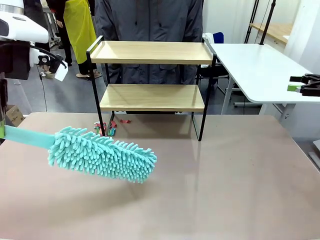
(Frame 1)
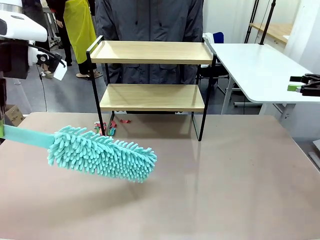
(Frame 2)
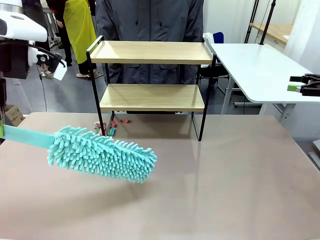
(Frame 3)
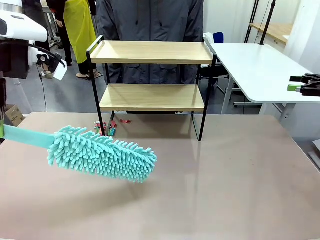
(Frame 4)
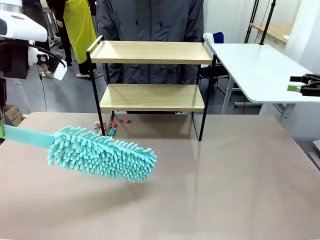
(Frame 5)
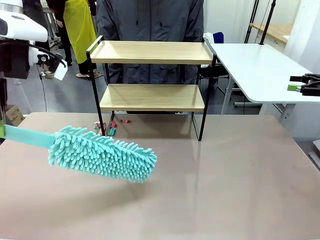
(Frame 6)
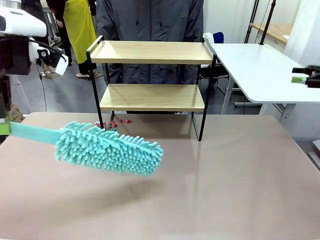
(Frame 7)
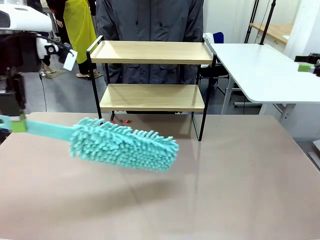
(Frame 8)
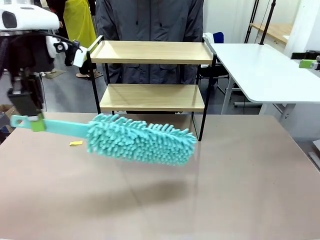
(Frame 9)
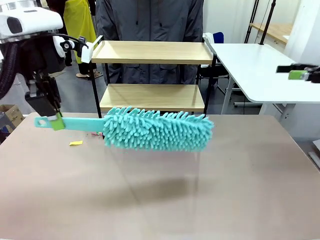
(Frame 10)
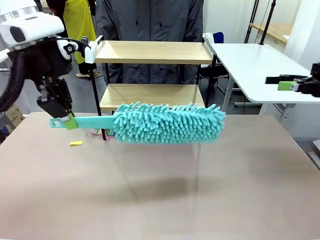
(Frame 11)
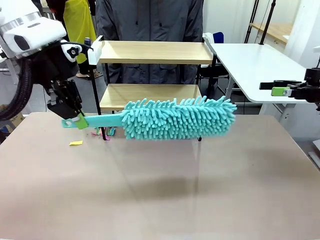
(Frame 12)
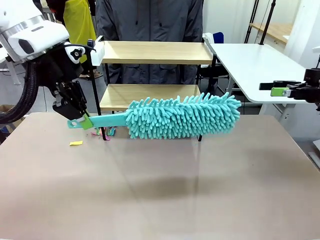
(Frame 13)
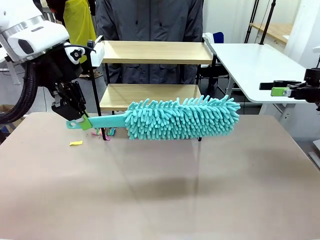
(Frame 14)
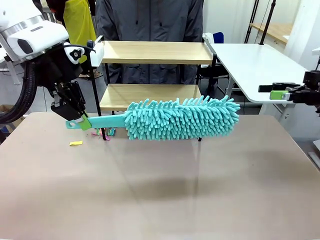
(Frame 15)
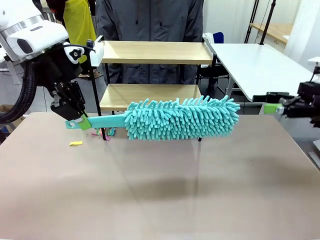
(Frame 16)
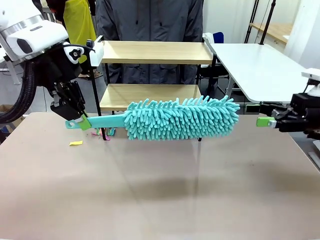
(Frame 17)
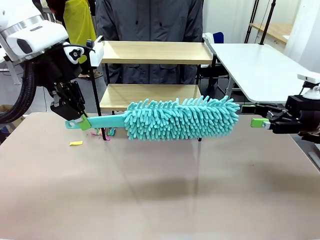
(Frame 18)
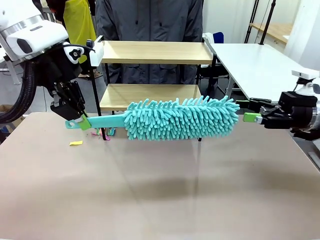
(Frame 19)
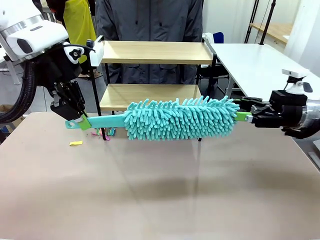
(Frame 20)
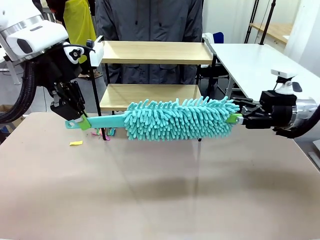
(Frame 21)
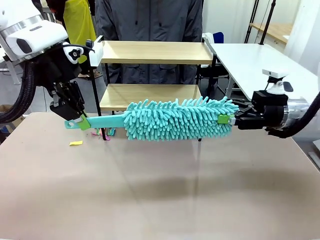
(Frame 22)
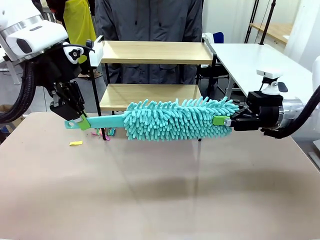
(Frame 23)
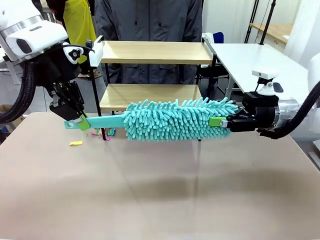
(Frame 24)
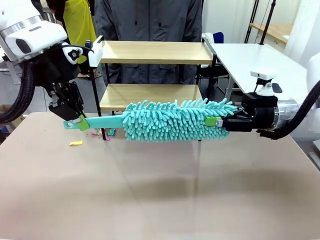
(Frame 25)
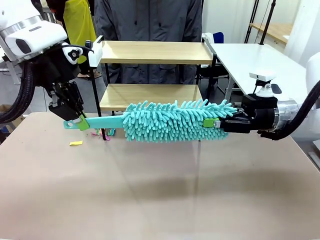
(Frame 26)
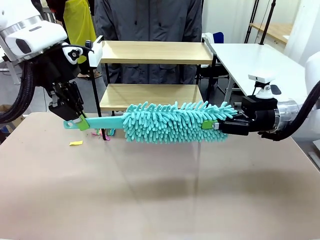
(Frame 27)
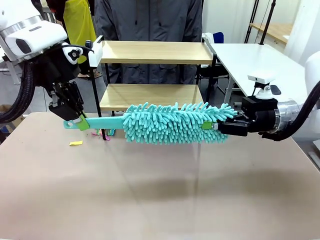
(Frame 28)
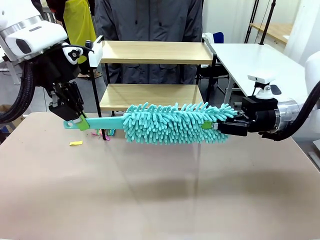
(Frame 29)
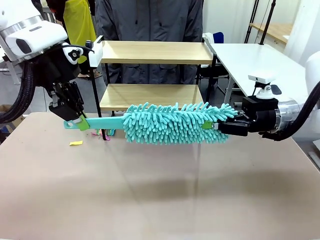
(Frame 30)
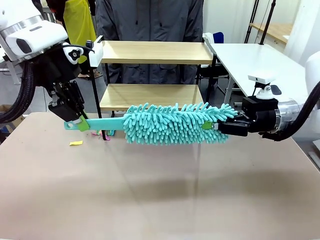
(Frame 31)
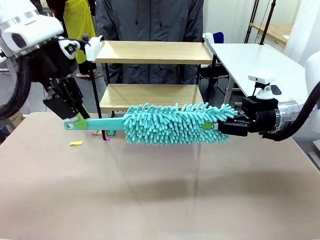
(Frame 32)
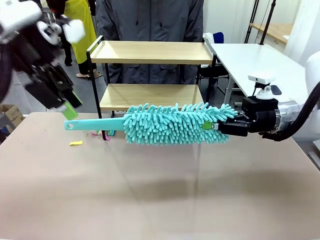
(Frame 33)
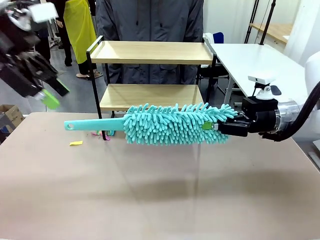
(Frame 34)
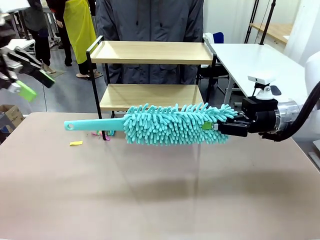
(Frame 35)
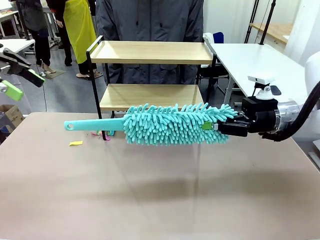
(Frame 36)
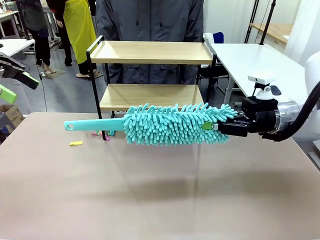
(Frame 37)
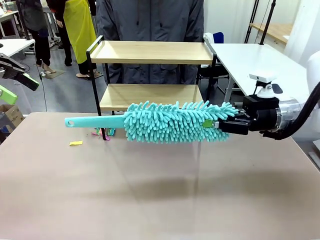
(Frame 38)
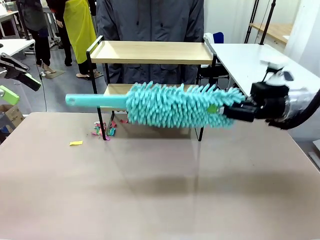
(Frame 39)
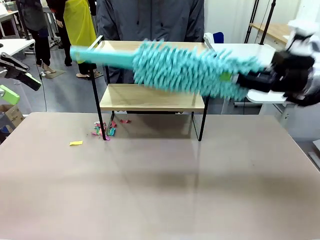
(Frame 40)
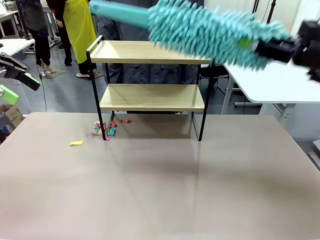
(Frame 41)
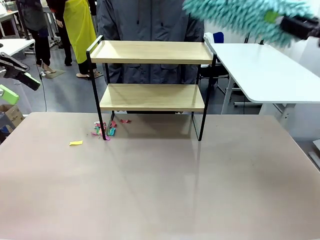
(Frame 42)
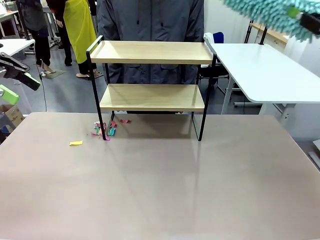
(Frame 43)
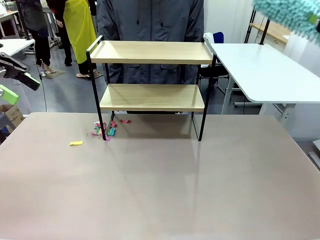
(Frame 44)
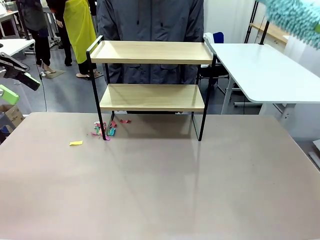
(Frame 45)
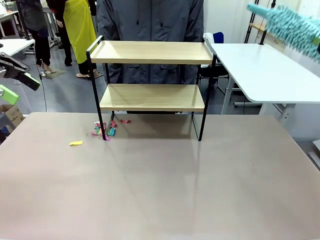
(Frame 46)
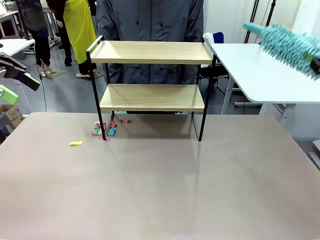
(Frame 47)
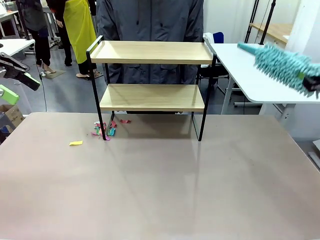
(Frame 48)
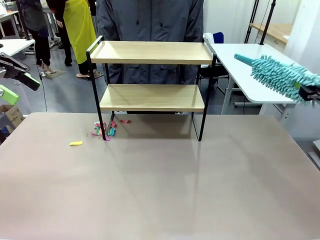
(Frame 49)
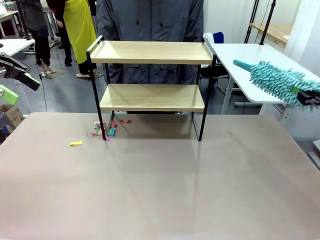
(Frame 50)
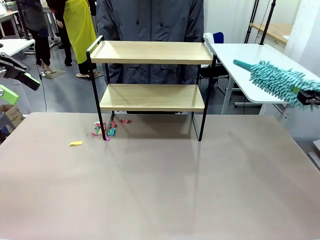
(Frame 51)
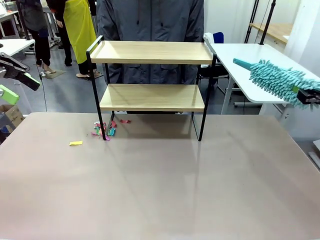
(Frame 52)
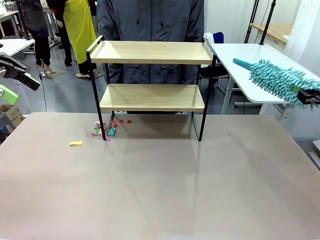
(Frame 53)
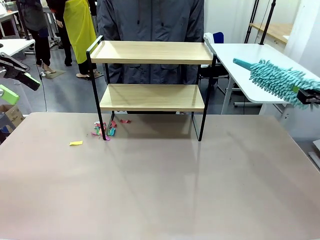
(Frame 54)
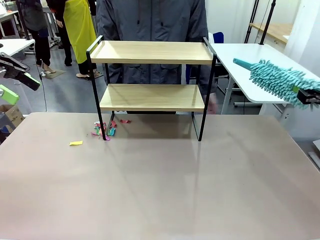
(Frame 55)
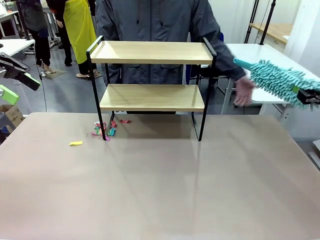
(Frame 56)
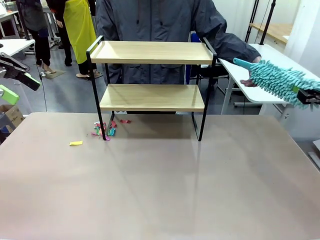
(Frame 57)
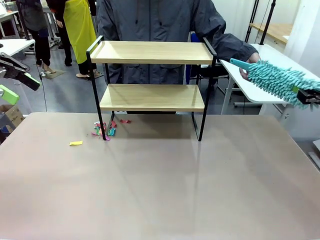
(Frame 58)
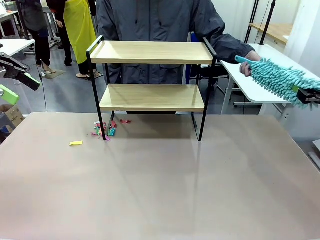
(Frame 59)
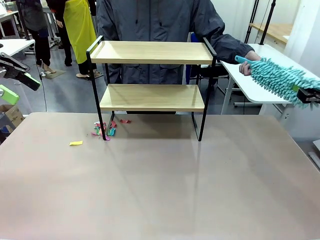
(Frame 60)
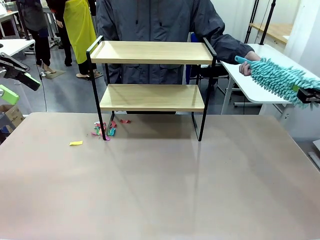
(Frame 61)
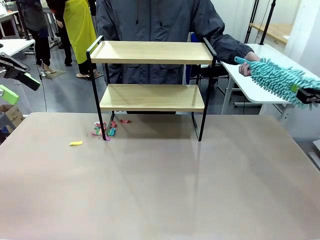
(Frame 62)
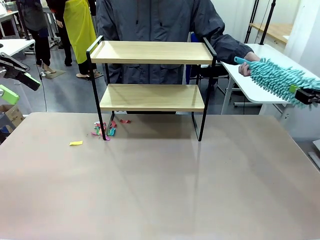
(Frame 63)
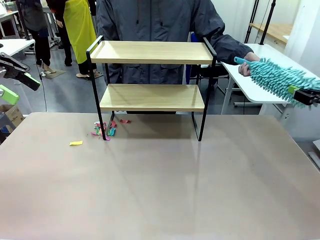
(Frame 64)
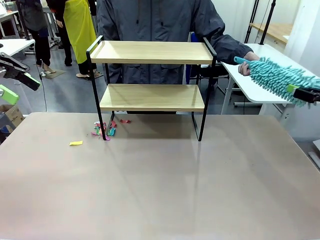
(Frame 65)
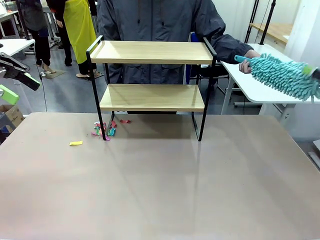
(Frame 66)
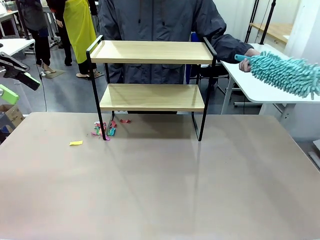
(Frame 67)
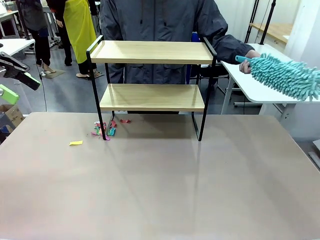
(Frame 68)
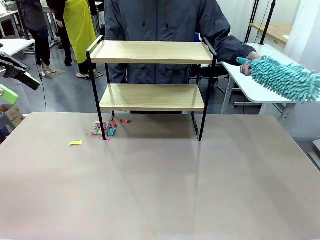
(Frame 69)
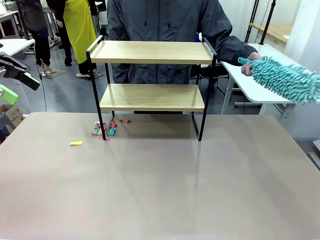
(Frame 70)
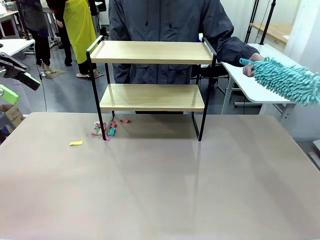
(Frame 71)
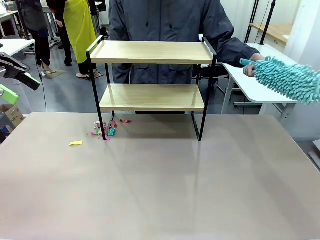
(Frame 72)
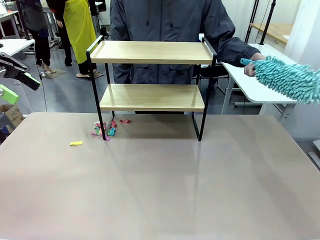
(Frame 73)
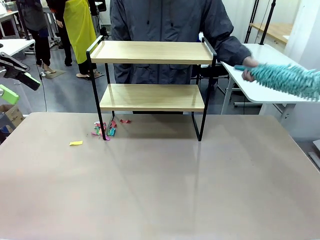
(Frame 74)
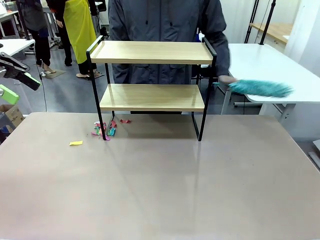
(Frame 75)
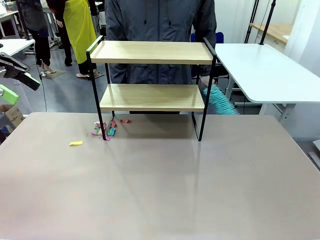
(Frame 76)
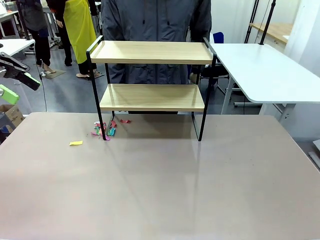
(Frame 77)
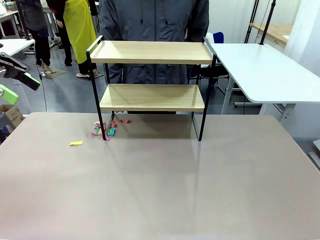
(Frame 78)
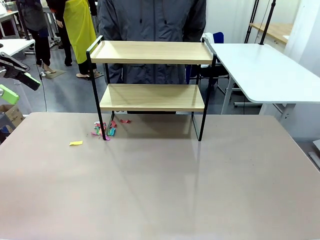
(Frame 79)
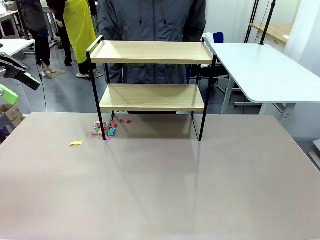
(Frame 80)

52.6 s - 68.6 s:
Task: Clean the shelf.
Robot: Hand the Duster back to the human.
Person: Receive the Duster from the robot.

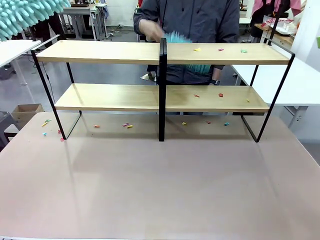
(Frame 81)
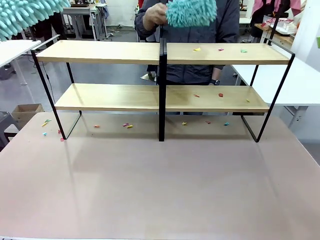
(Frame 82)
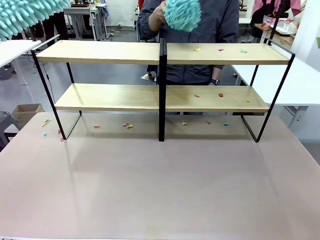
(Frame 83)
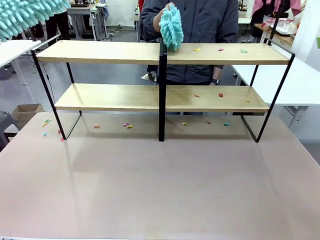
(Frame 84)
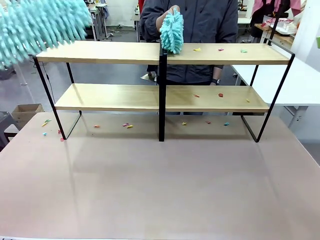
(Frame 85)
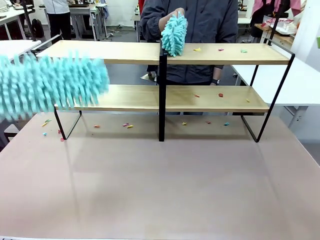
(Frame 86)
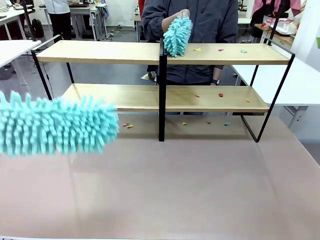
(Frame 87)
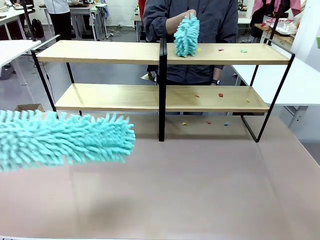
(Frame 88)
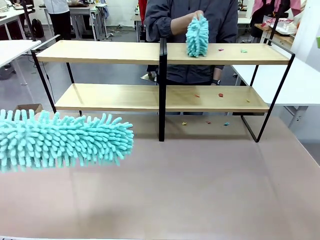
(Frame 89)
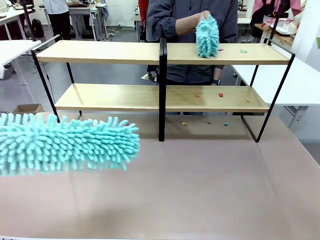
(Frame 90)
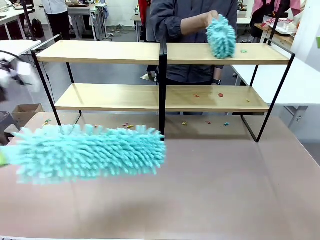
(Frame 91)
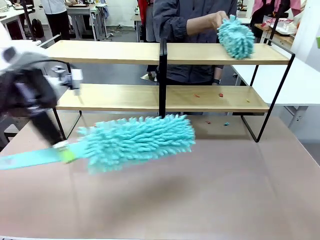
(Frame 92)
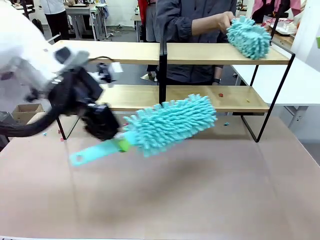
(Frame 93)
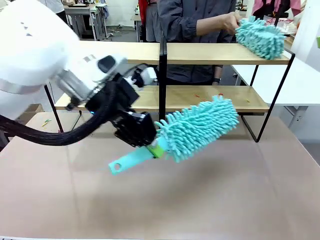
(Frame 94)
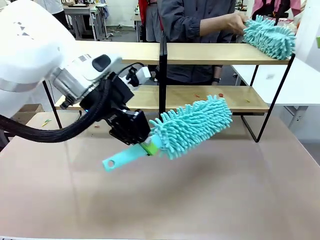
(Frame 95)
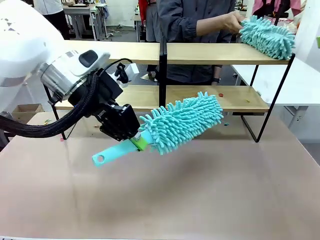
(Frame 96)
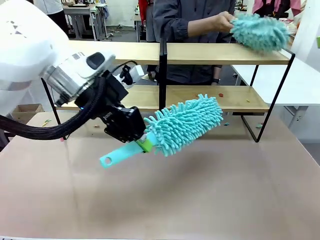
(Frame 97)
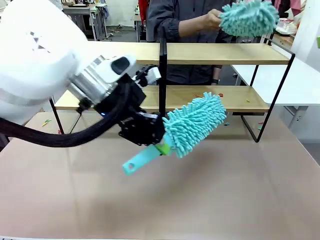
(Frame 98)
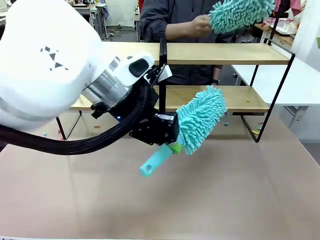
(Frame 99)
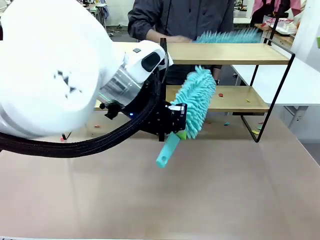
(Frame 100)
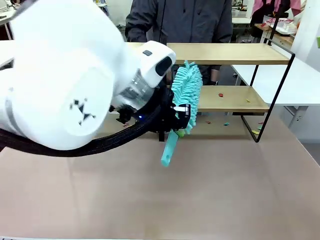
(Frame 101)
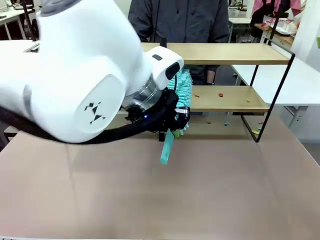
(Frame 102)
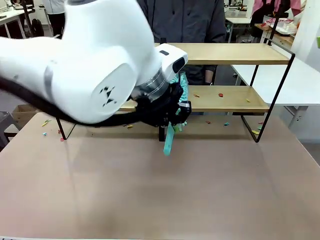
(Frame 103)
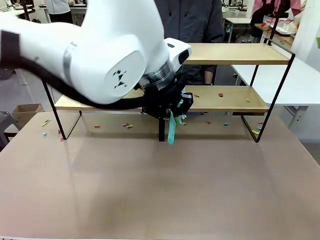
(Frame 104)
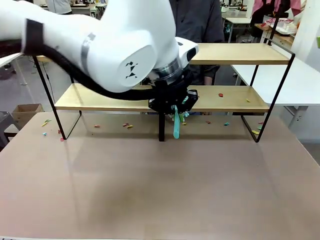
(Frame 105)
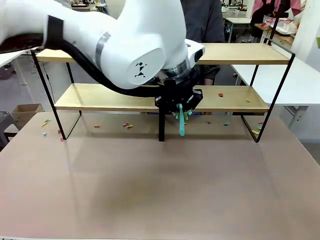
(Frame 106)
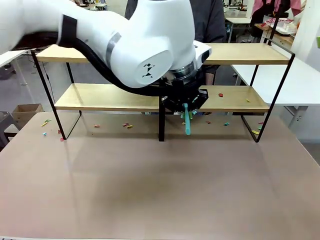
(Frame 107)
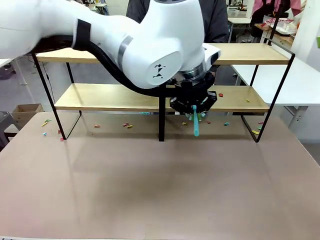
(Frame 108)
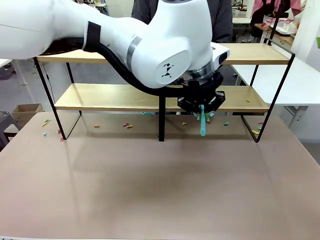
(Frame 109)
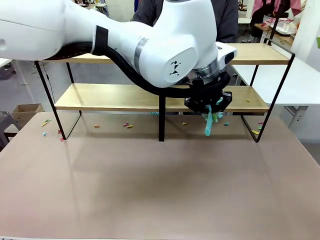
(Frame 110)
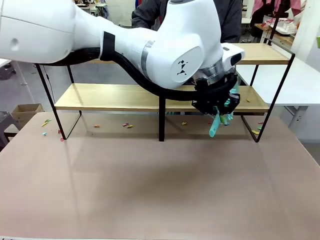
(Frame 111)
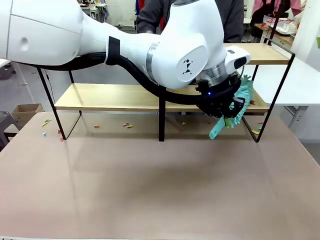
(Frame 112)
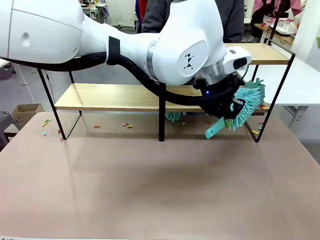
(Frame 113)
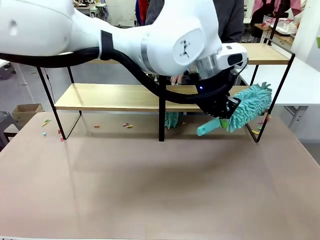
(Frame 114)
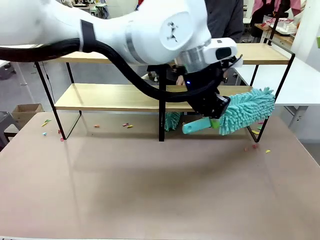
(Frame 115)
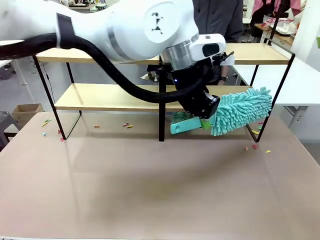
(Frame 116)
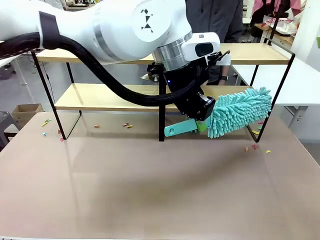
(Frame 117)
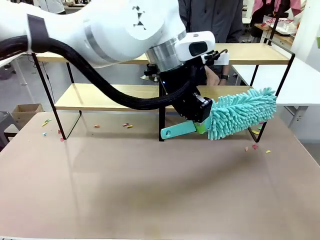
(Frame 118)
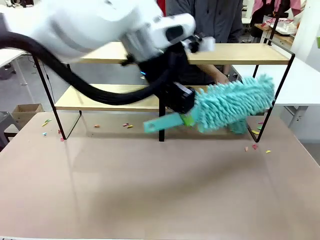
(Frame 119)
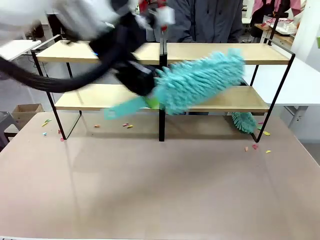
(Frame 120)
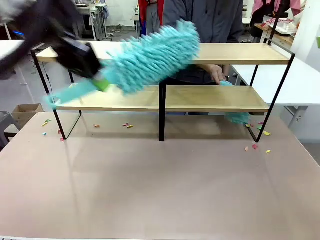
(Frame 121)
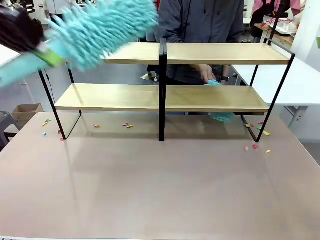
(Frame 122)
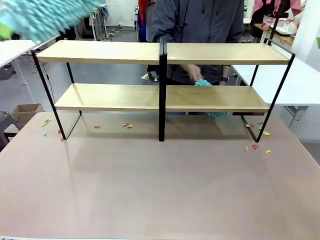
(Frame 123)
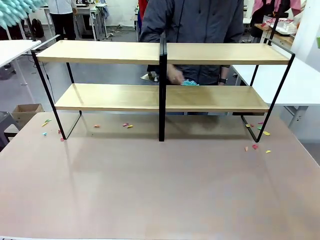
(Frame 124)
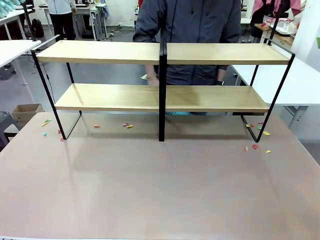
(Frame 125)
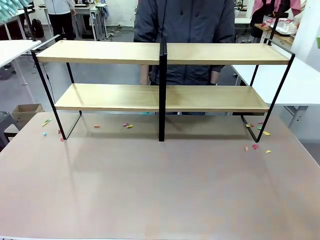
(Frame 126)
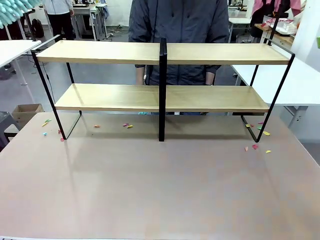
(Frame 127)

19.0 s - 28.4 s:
Task: Clean the shelves.
Robot: Clean another randomly selected level of the Shelf with the Duster.
